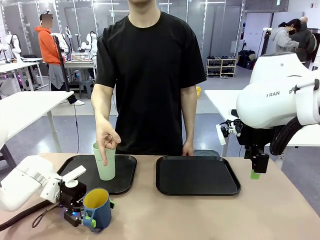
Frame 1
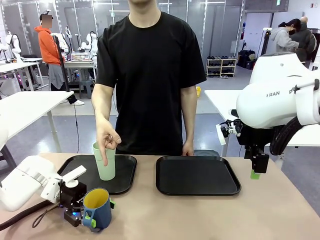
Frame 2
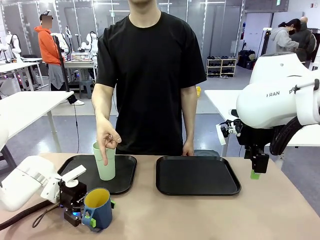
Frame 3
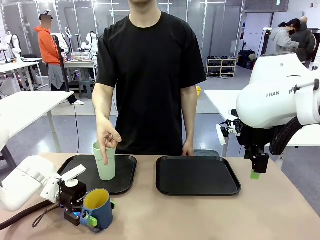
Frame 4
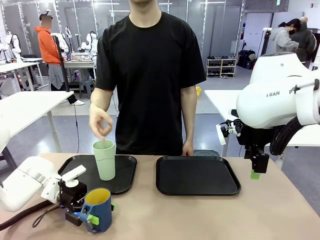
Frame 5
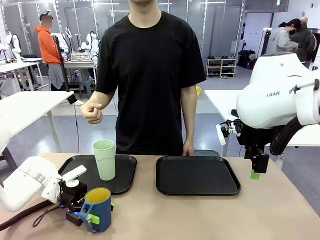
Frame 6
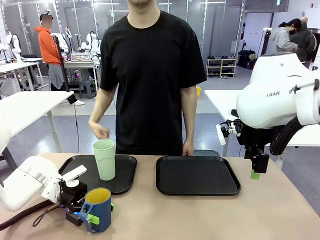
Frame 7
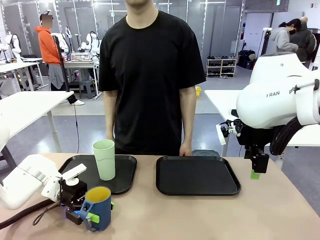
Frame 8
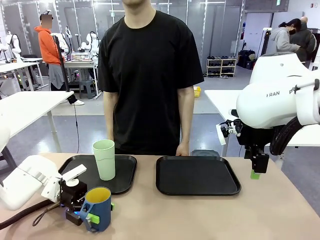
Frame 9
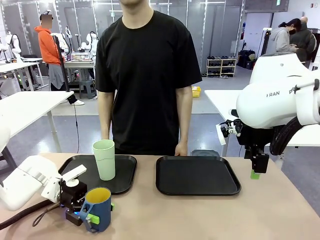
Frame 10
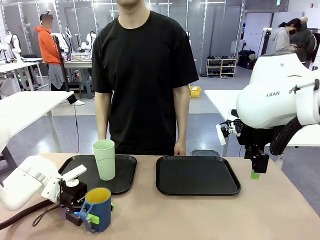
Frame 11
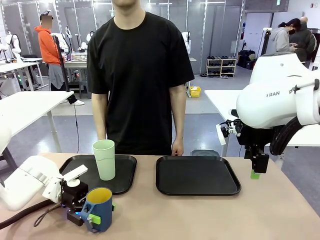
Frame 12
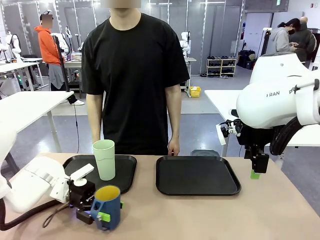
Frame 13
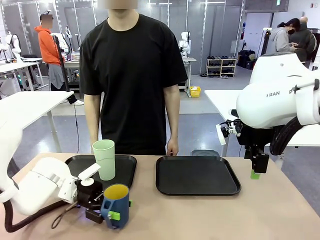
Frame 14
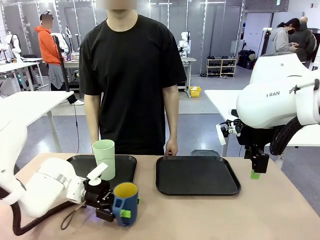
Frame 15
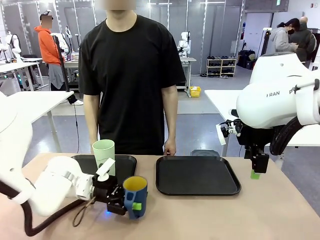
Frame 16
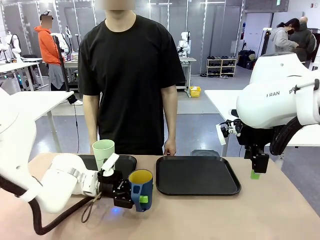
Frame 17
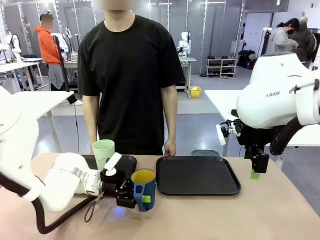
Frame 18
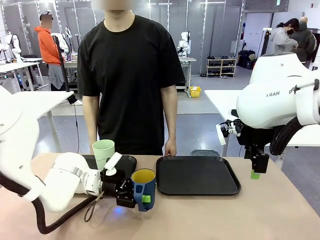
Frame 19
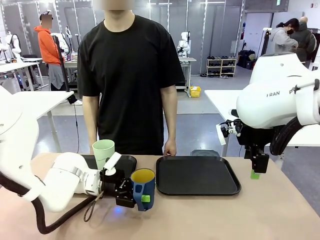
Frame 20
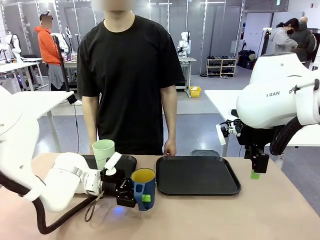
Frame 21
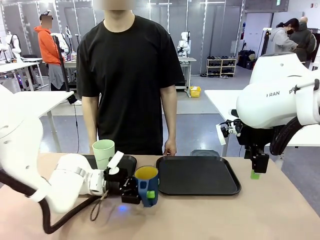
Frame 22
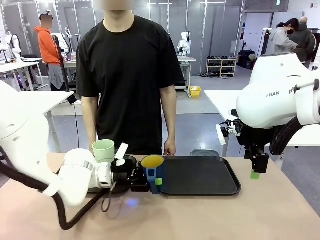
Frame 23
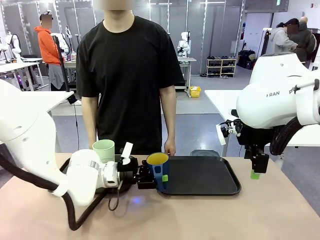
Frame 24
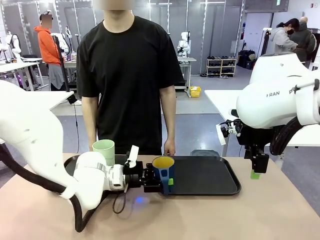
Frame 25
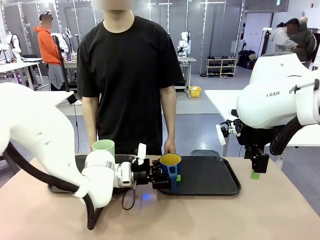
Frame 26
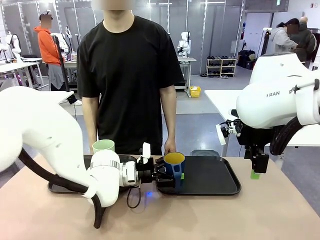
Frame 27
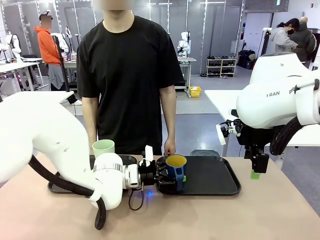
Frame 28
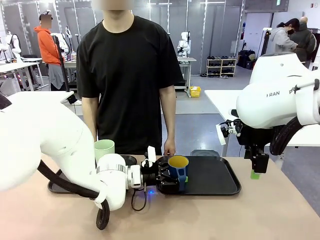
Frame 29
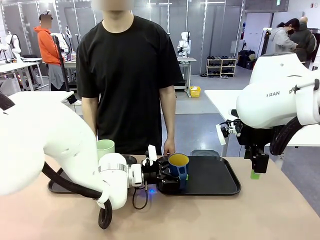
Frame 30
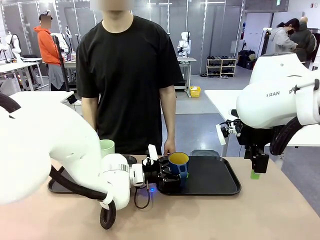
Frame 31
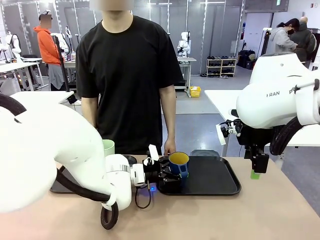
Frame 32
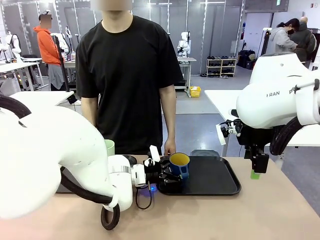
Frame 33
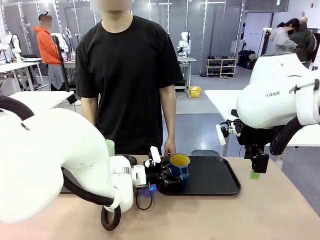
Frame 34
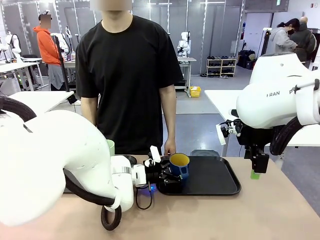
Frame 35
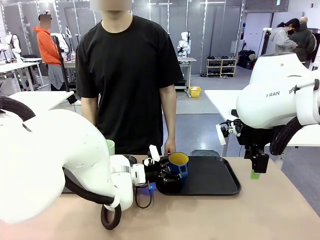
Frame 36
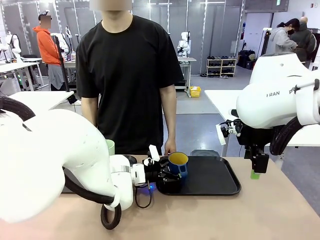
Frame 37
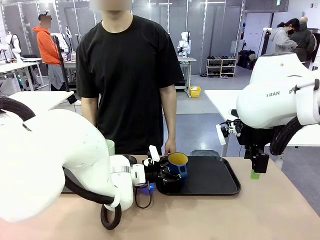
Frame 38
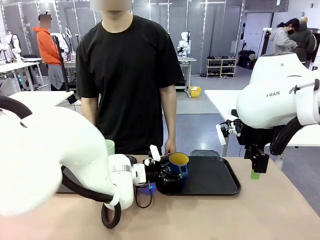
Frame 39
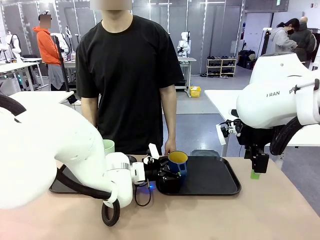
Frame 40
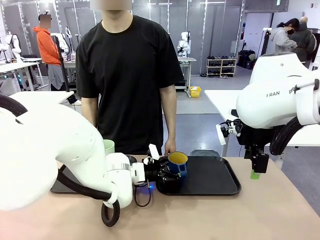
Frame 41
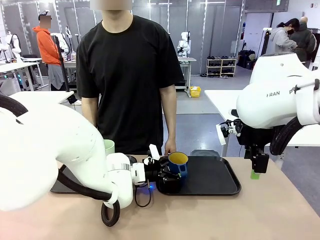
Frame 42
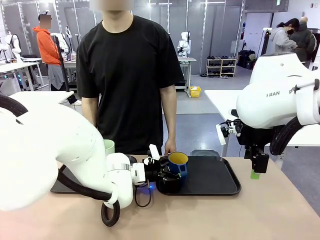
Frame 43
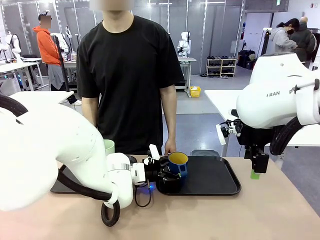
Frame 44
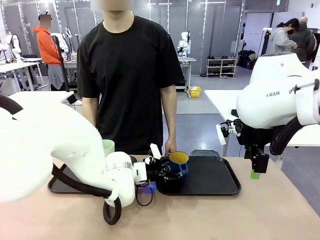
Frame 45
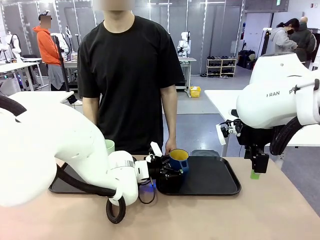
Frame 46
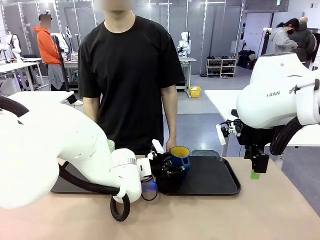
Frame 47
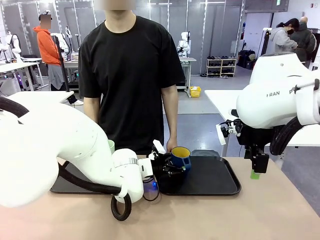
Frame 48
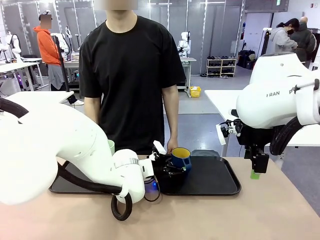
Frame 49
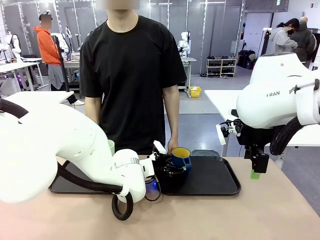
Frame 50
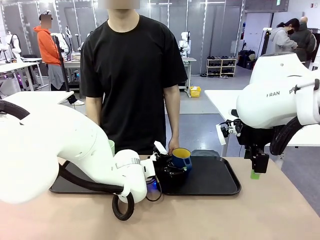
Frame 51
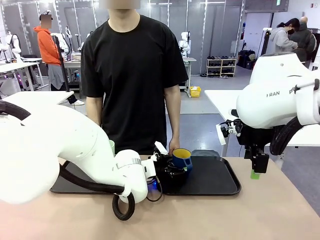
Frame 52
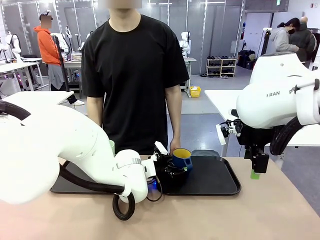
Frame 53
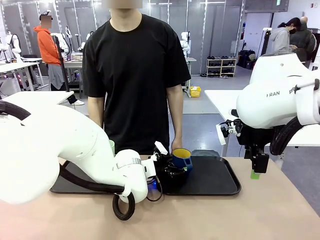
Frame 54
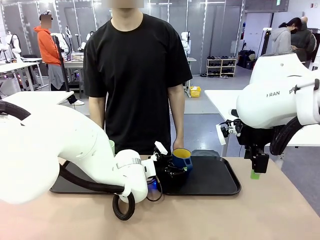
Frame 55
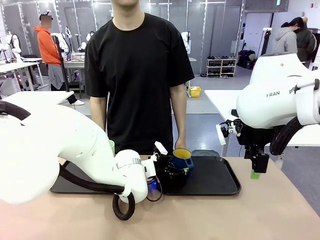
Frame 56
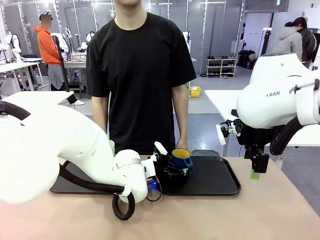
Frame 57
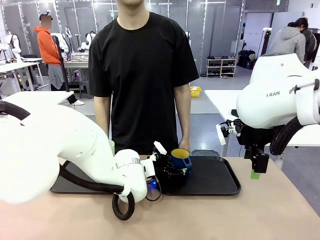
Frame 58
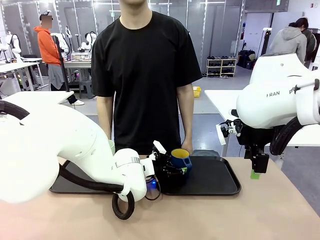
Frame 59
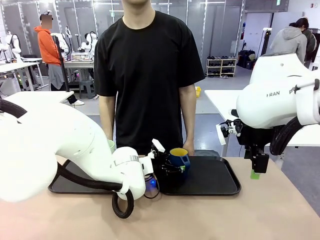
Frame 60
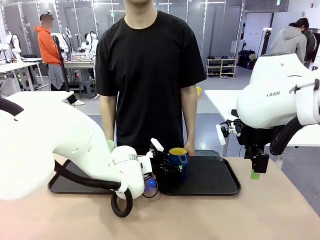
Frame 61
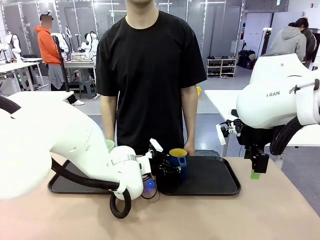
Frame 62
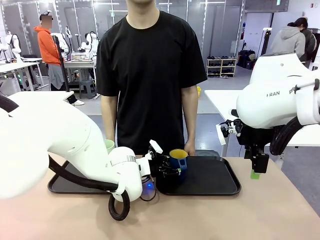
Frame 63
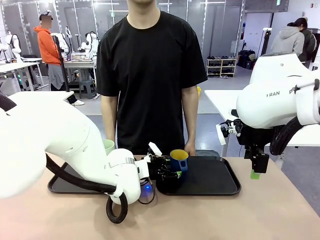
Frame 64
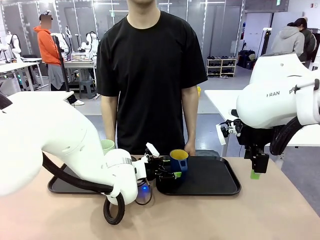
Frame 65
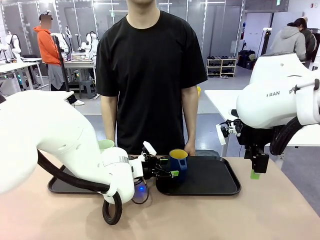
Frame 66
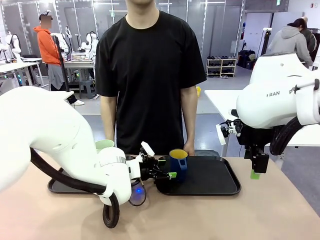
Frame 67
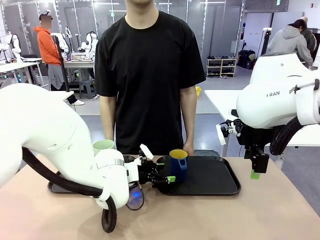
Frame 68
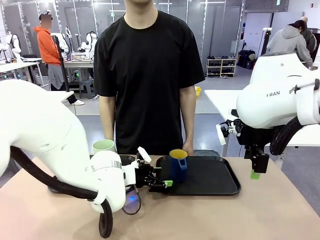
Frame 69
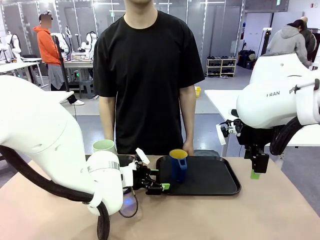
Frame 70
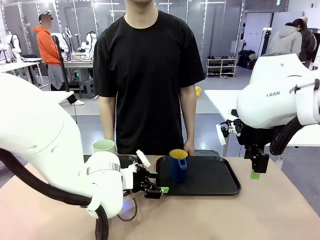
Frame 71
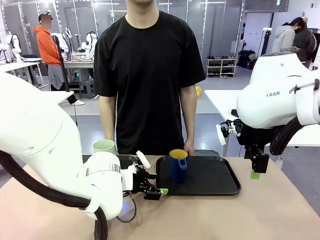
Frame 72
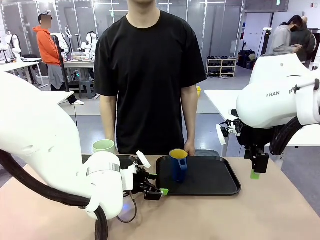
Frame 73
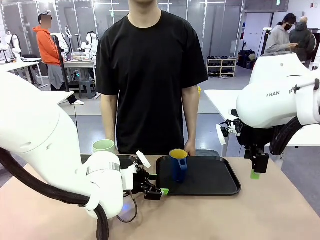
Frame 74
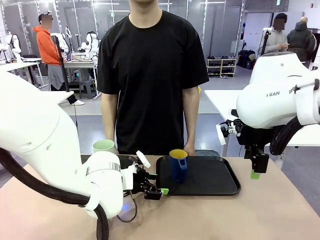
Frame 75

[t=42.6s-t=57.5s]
Task: Sort and store the cups by type.
Robot: Pick up the Handle plastic cup and place it into the empty Flat Tray.
